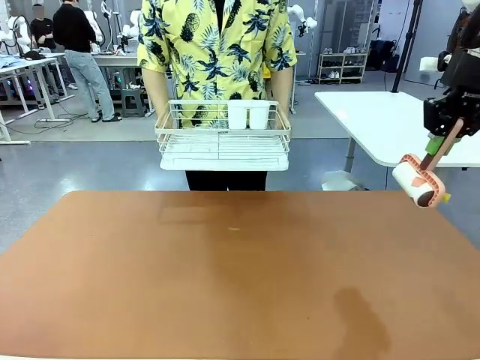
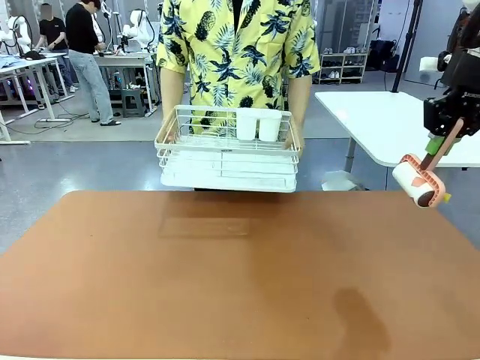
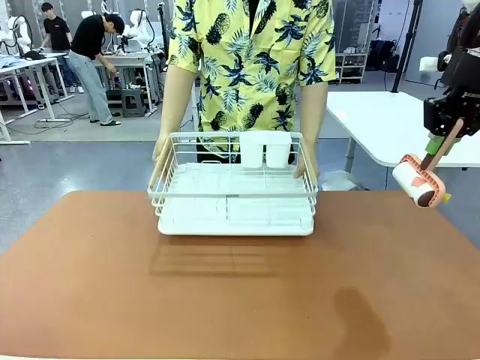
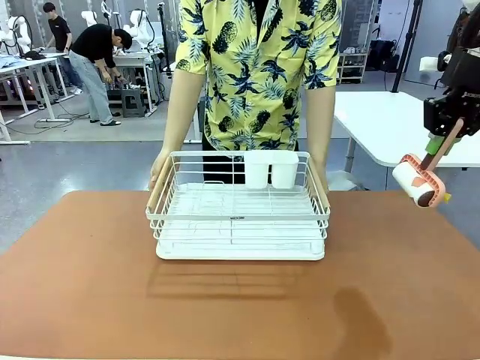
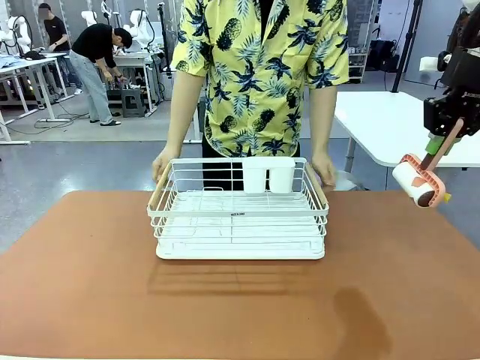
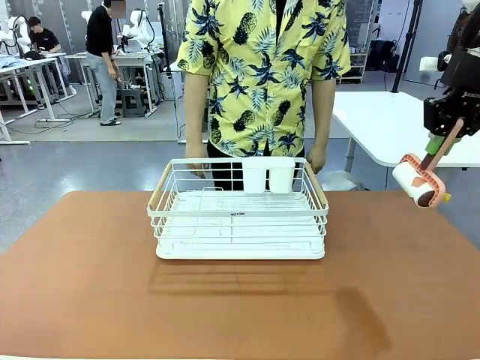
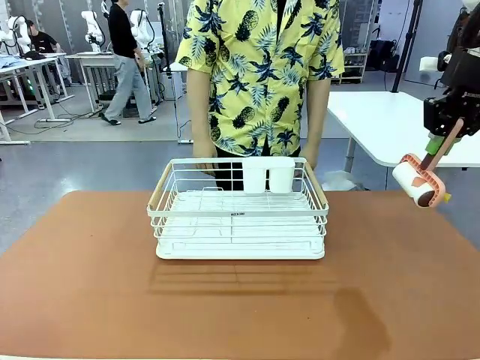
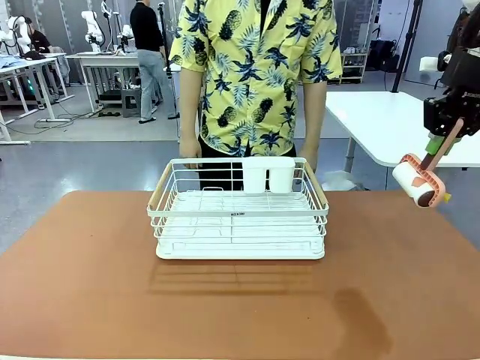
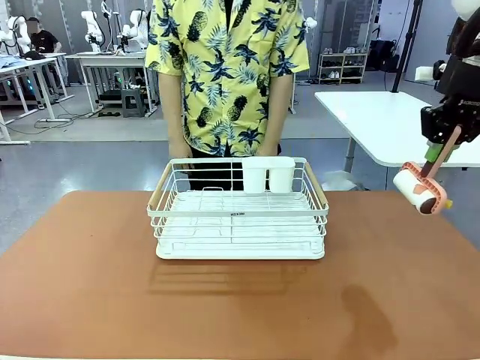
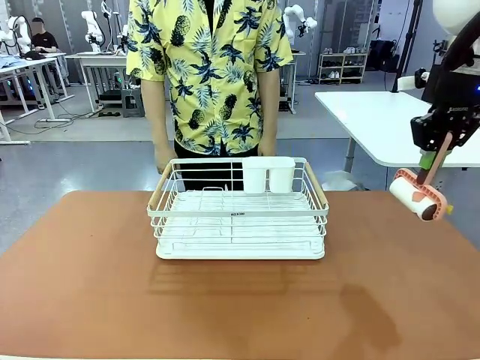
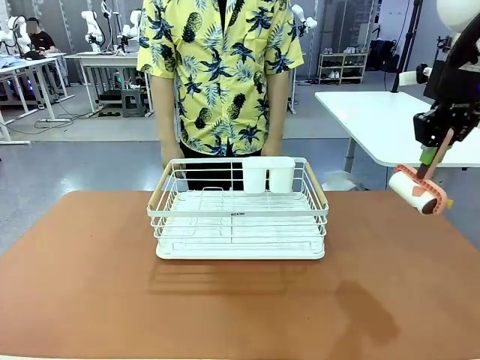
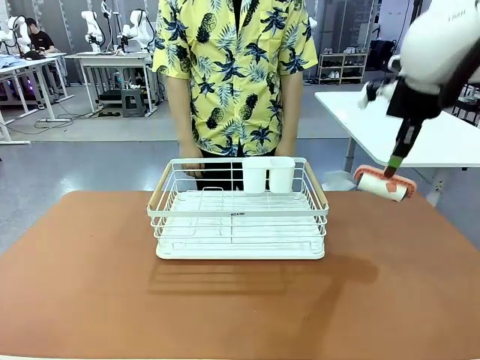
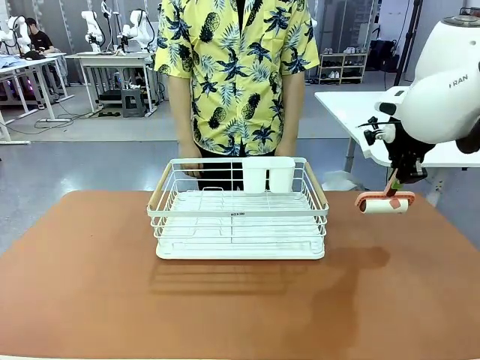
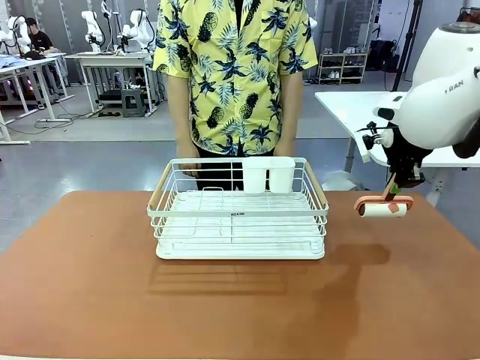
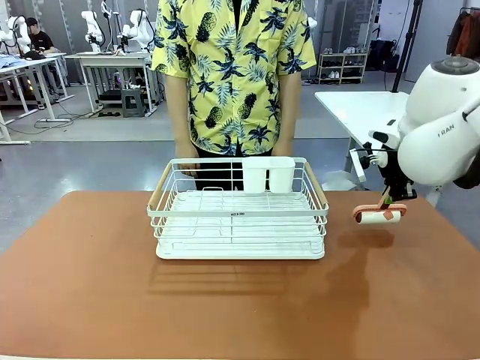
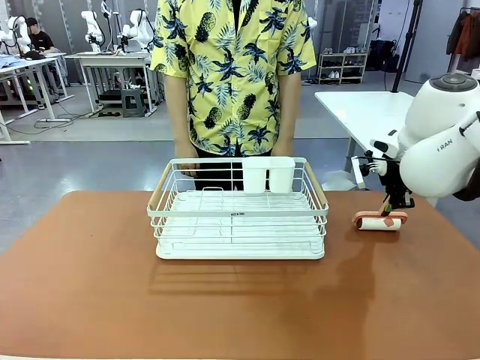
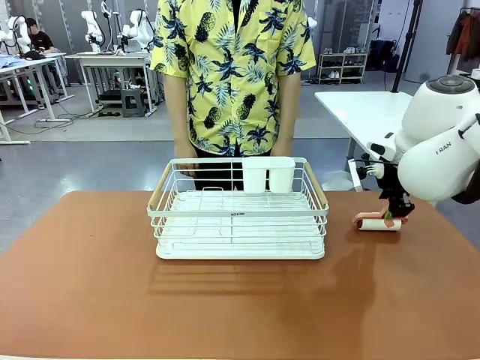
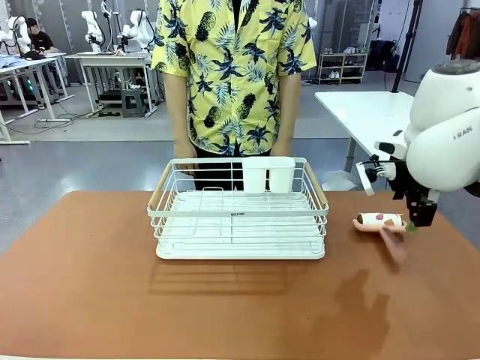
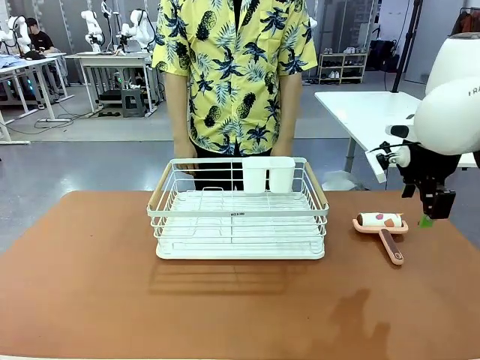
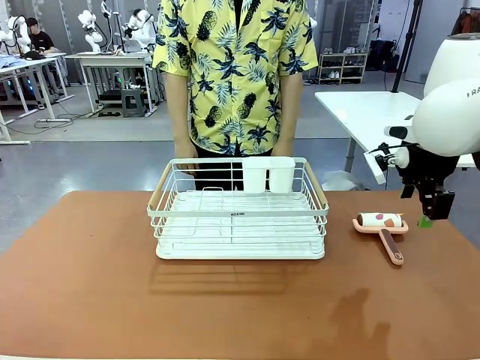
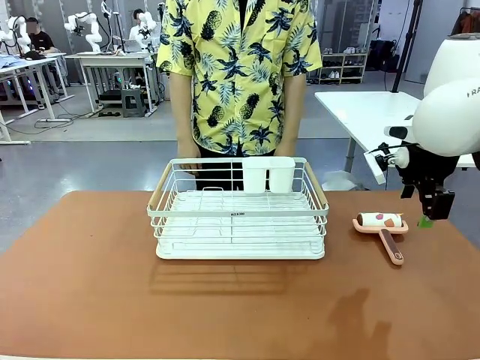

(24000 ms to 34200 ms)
Task: Clean the table.
Robot: Place the Lint Roller down when the Dish drying rack is positioned in the middle of the table.
Person: Place the Dish drying rack down when the robot finishes cleaning.

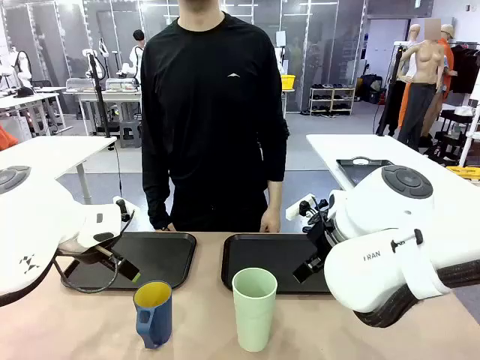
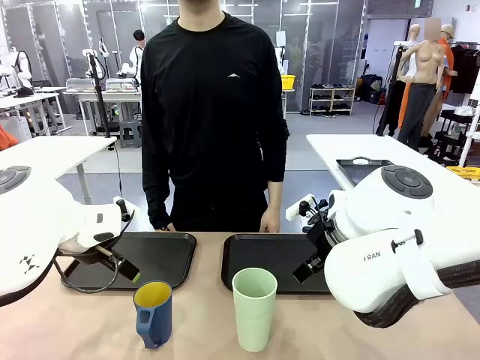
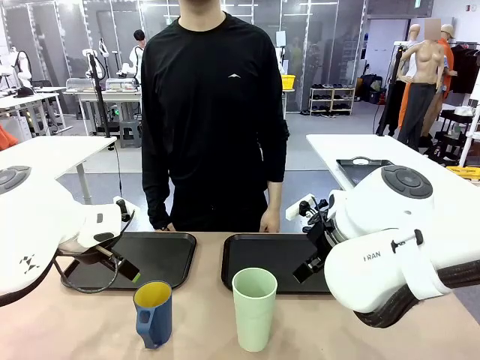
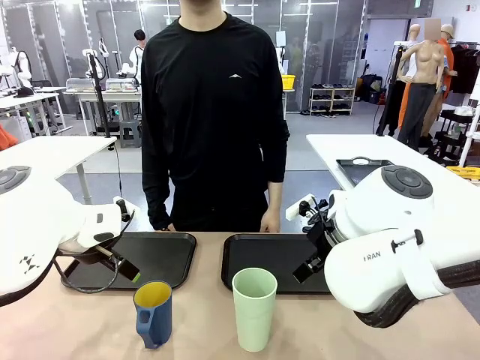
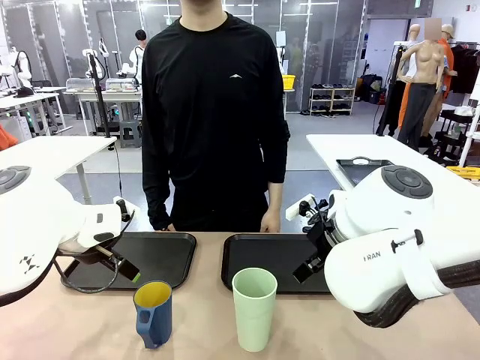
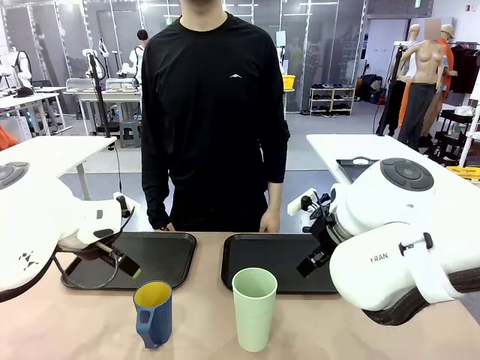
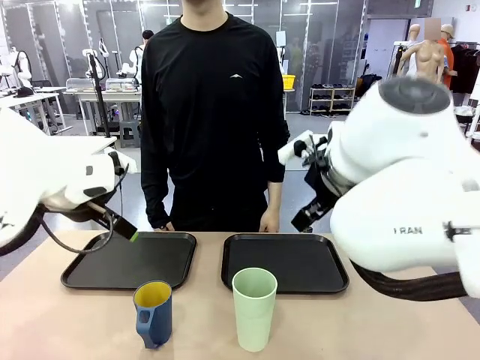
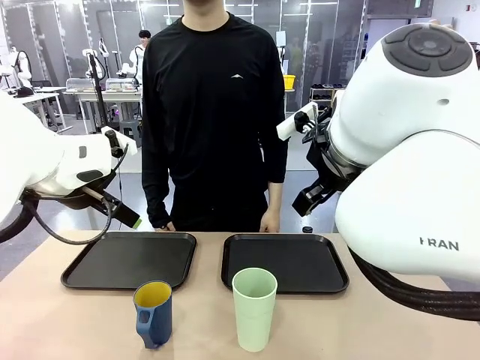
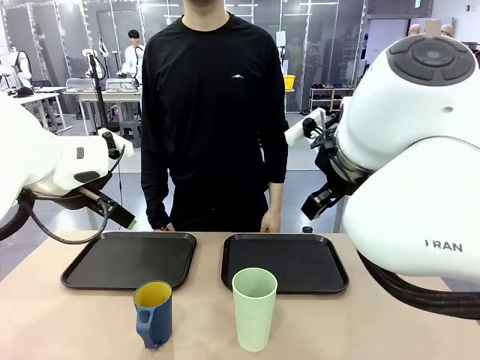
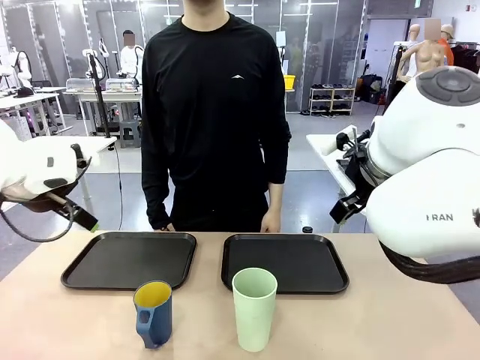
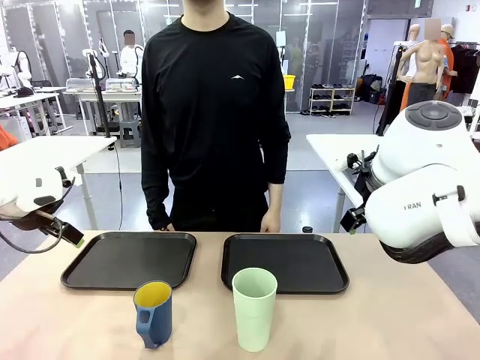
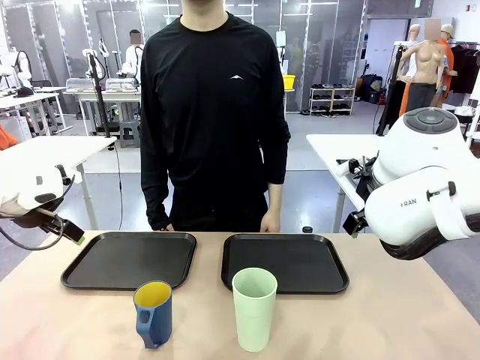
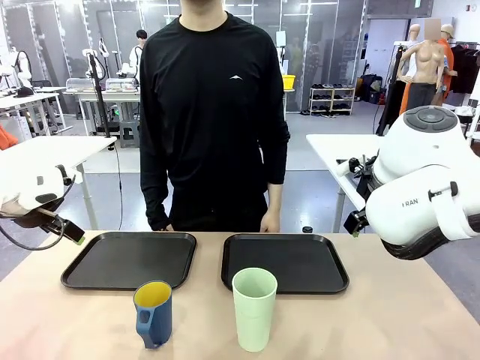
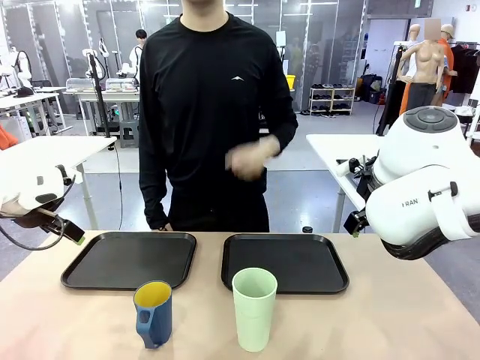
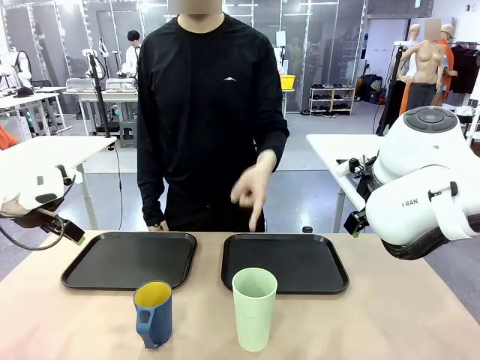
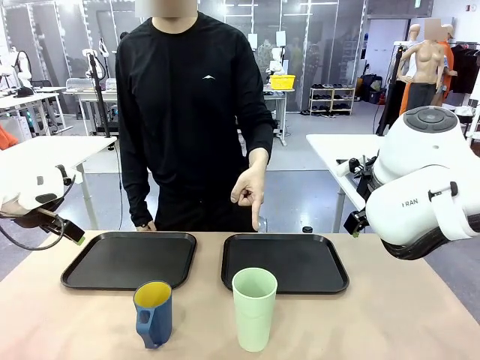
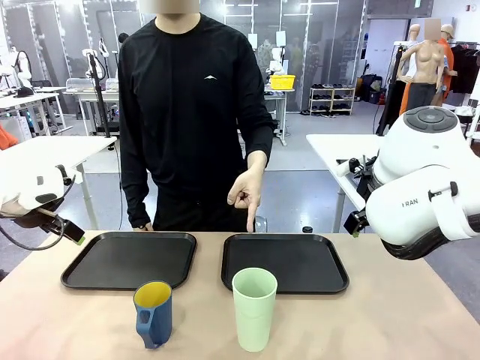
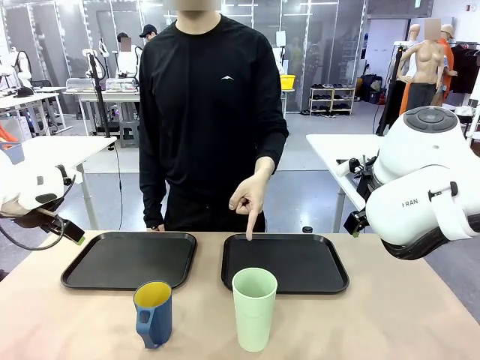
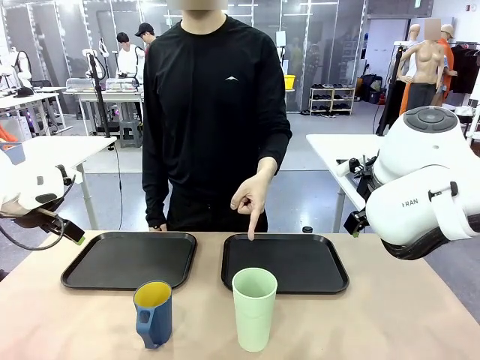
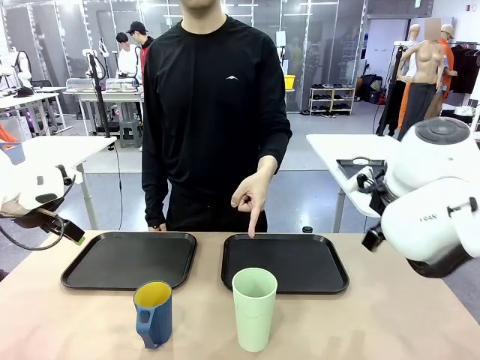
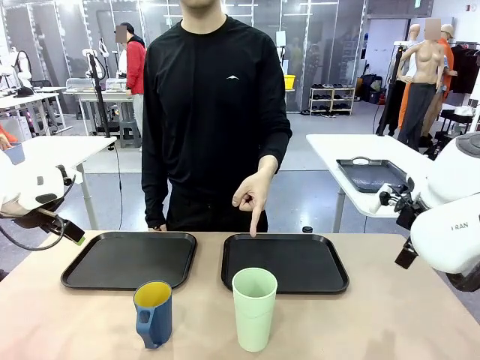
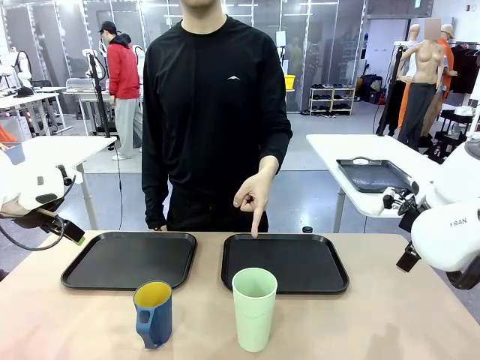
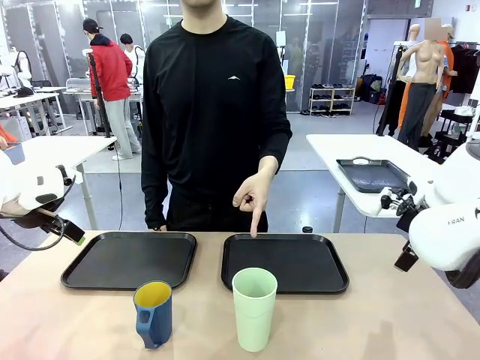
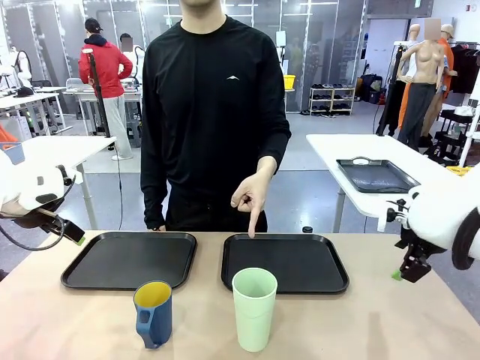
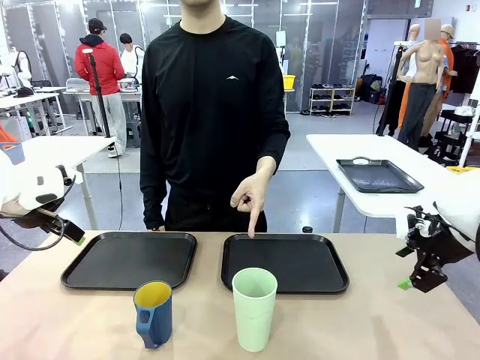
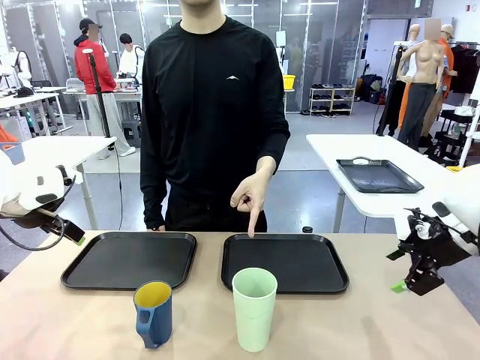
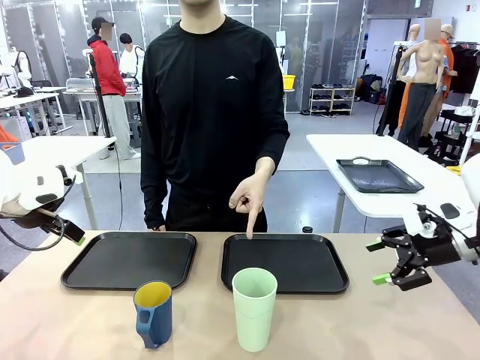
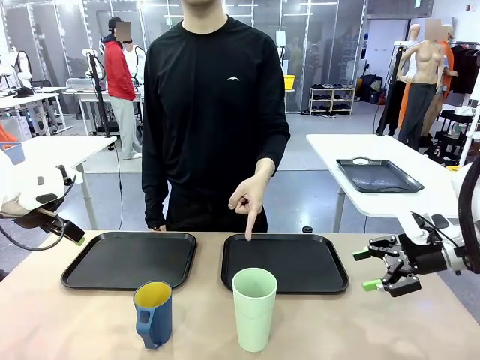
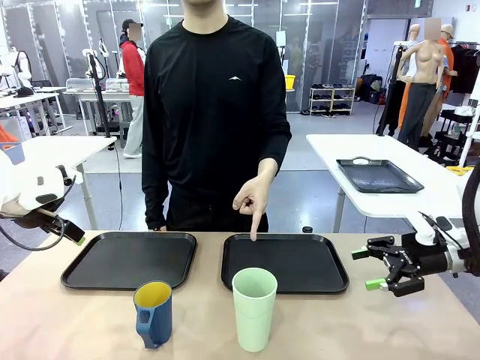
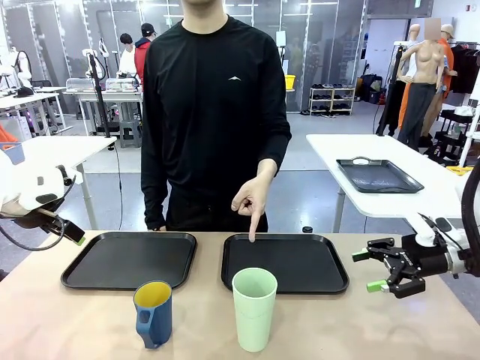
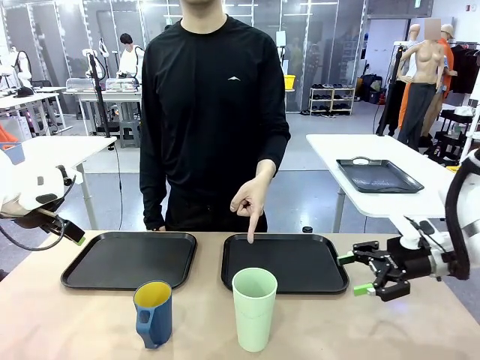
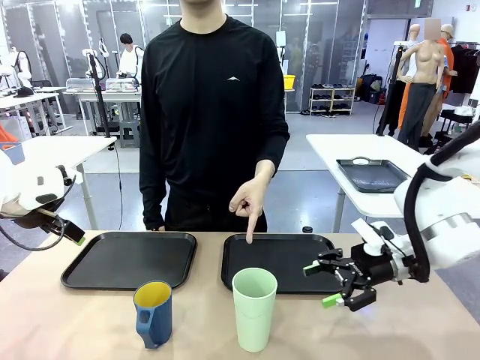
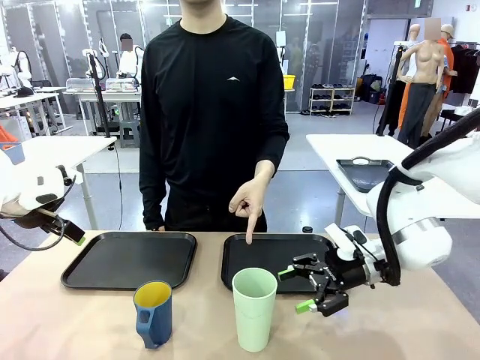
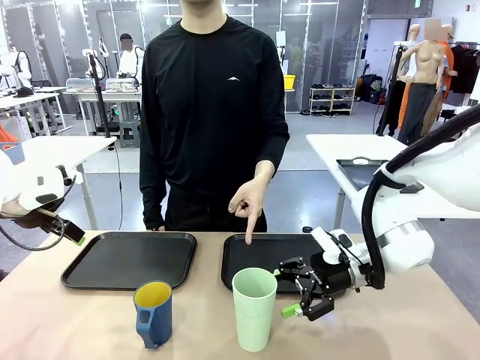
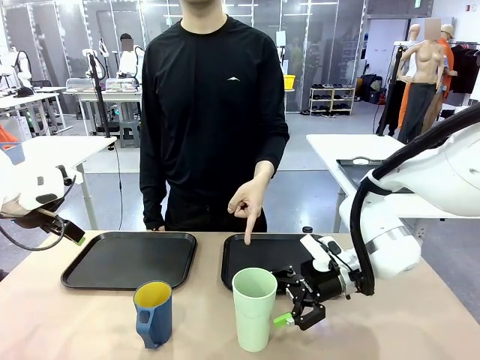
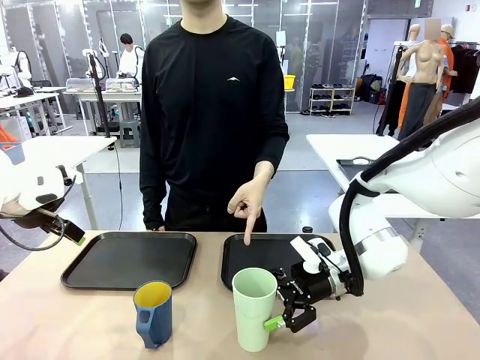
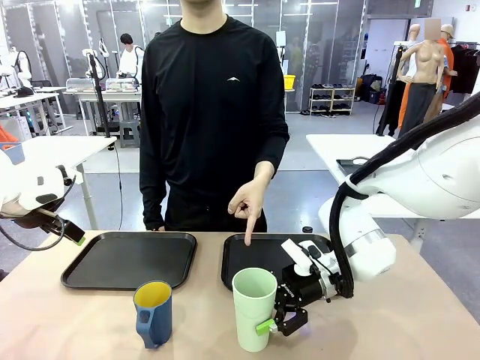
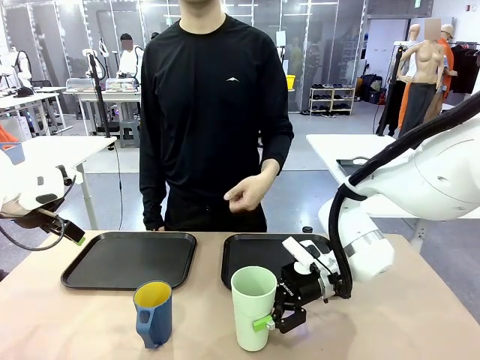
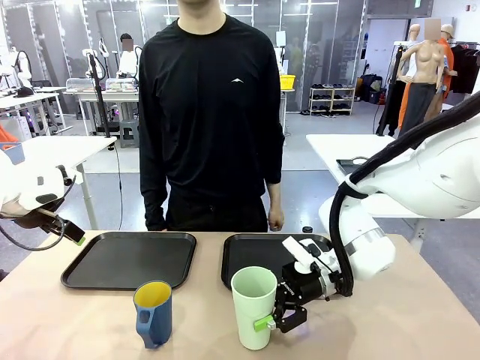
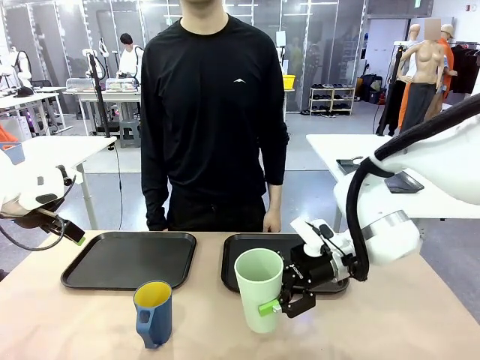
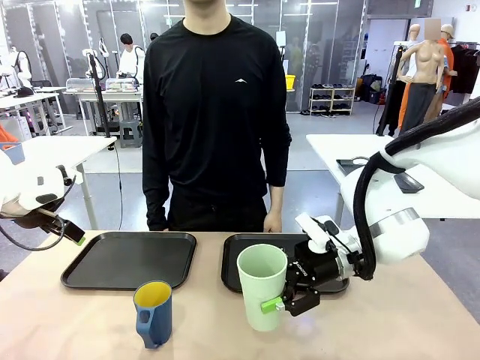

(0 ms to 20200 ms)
Task: Sort and store the cups by type.
Robot: Pick up the Reusable plastic cup.
Person: Points to the reusable cup. Point to one of the two trays.
